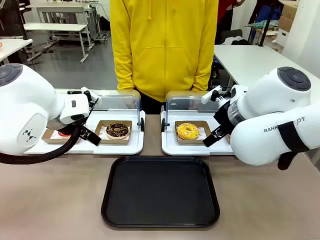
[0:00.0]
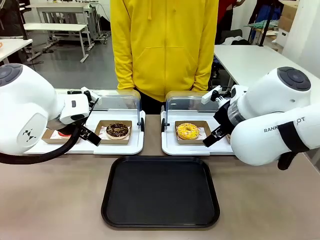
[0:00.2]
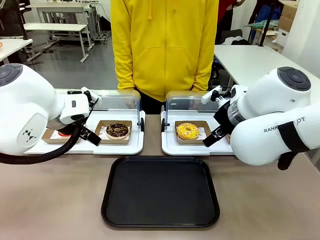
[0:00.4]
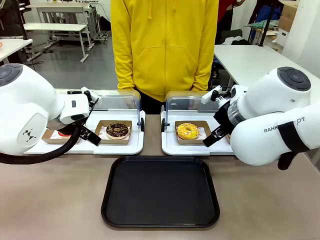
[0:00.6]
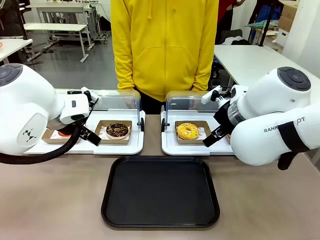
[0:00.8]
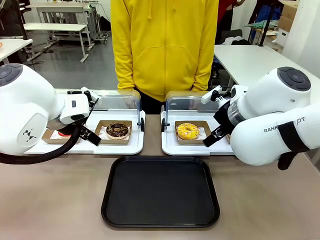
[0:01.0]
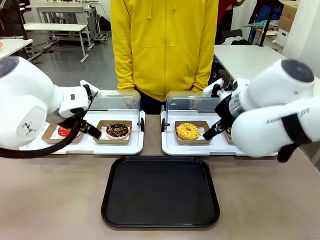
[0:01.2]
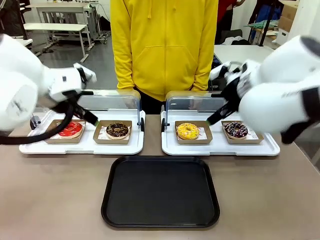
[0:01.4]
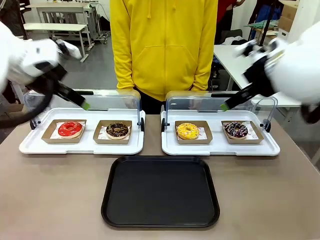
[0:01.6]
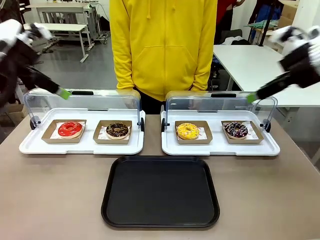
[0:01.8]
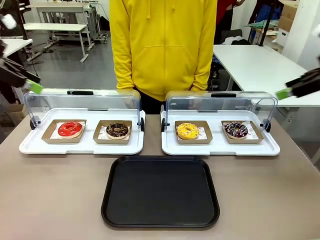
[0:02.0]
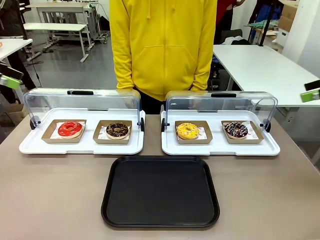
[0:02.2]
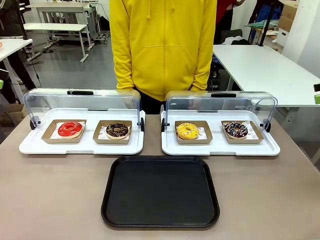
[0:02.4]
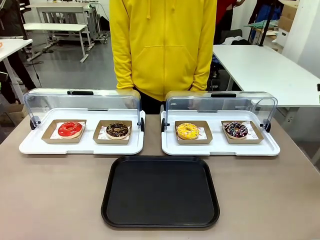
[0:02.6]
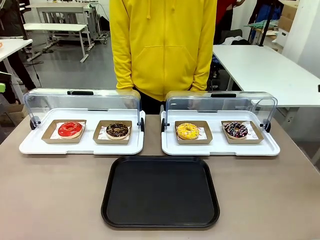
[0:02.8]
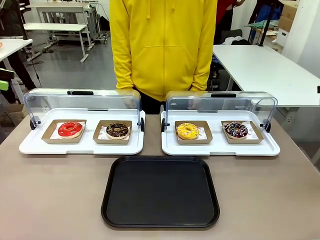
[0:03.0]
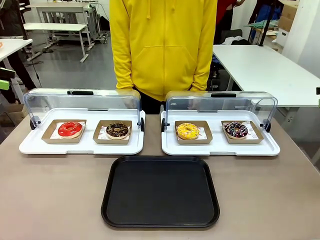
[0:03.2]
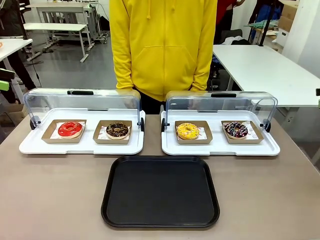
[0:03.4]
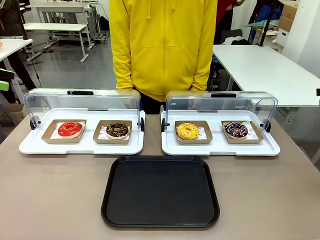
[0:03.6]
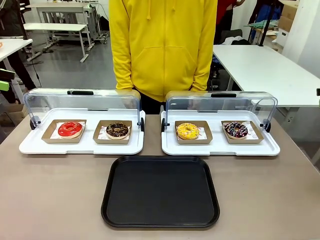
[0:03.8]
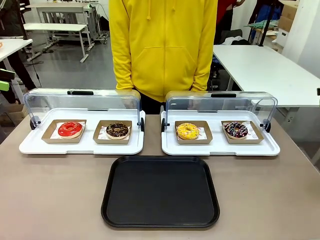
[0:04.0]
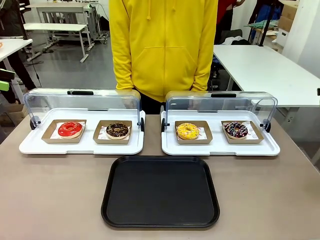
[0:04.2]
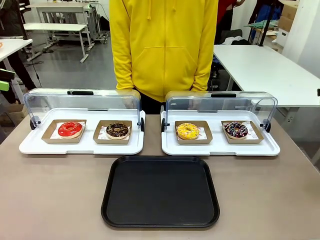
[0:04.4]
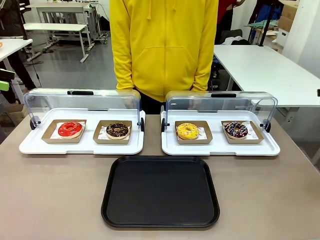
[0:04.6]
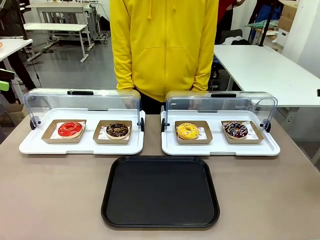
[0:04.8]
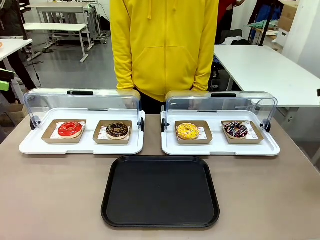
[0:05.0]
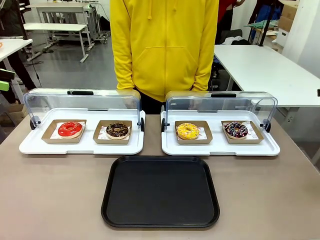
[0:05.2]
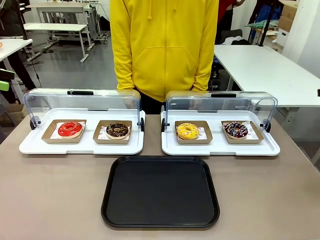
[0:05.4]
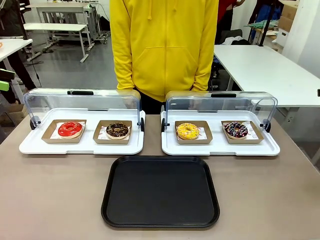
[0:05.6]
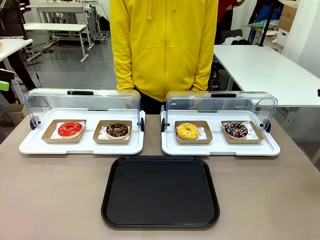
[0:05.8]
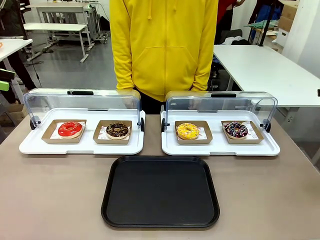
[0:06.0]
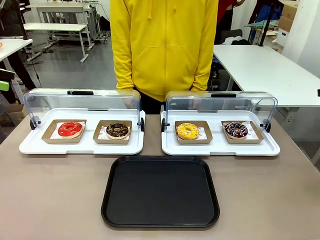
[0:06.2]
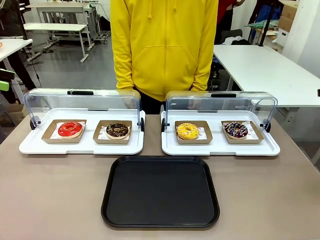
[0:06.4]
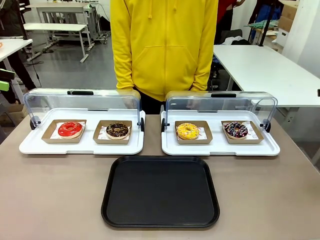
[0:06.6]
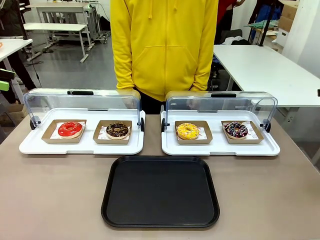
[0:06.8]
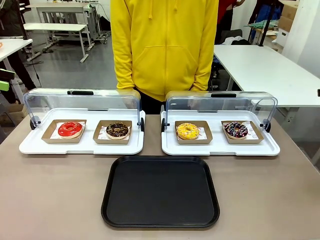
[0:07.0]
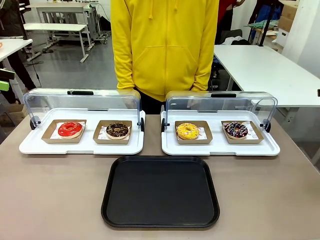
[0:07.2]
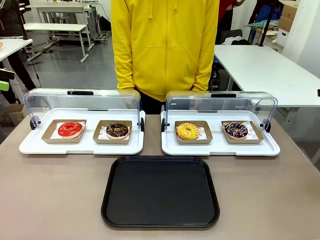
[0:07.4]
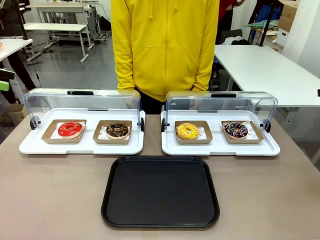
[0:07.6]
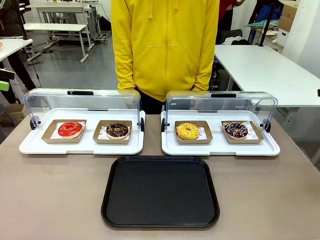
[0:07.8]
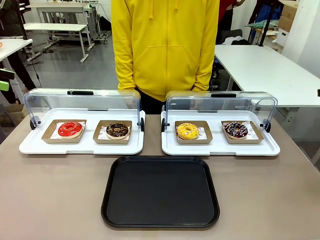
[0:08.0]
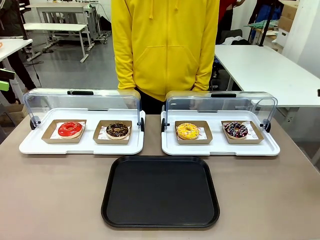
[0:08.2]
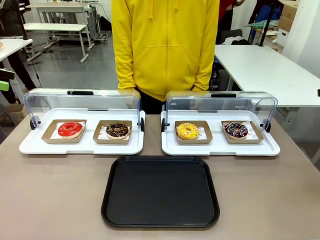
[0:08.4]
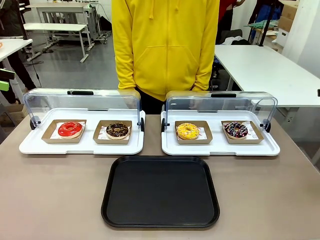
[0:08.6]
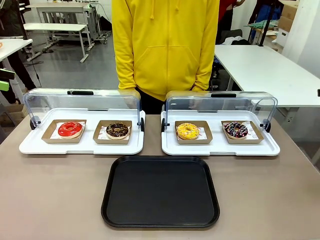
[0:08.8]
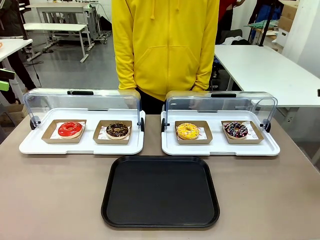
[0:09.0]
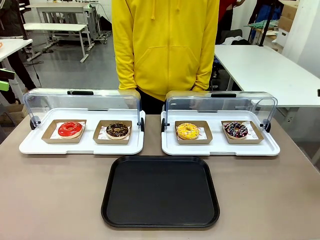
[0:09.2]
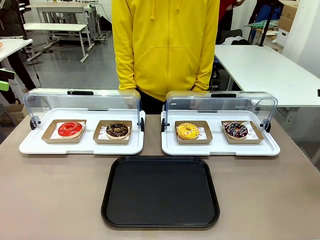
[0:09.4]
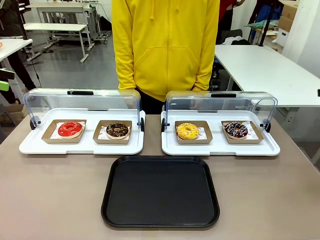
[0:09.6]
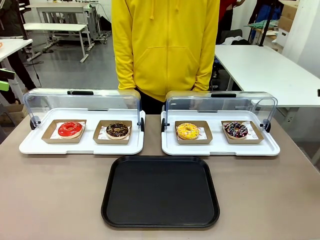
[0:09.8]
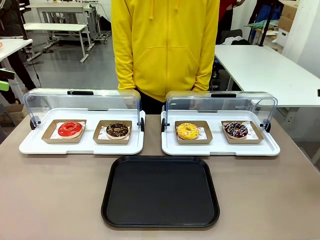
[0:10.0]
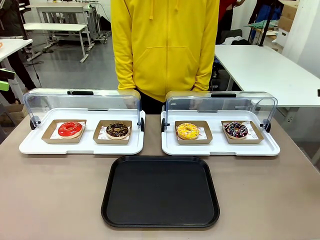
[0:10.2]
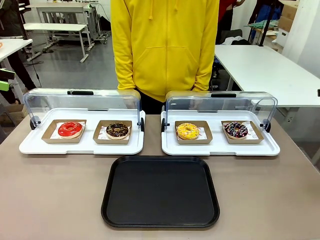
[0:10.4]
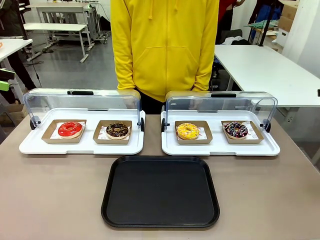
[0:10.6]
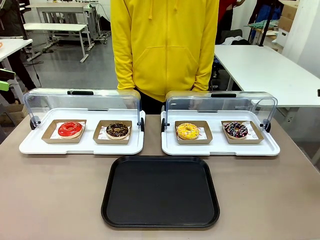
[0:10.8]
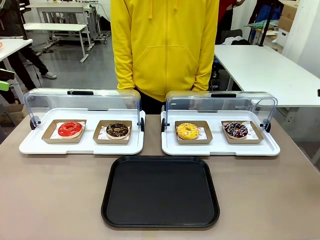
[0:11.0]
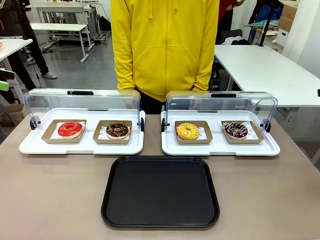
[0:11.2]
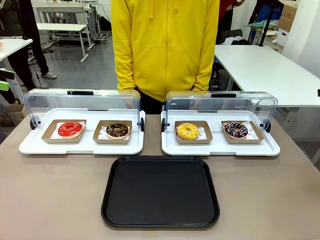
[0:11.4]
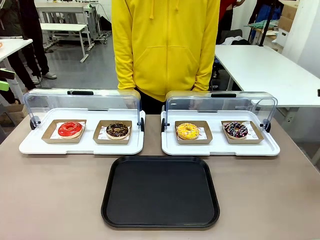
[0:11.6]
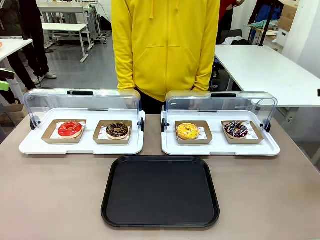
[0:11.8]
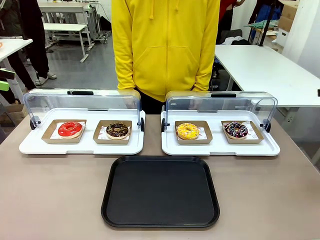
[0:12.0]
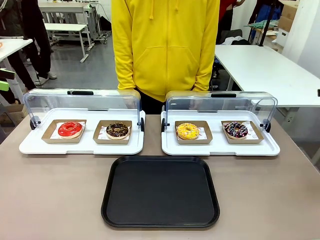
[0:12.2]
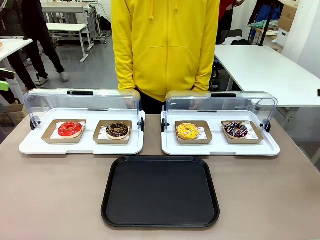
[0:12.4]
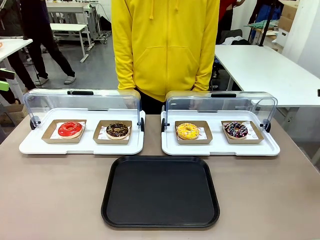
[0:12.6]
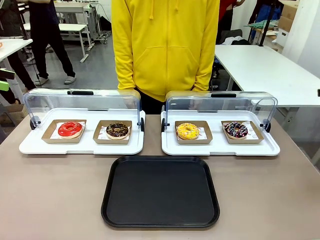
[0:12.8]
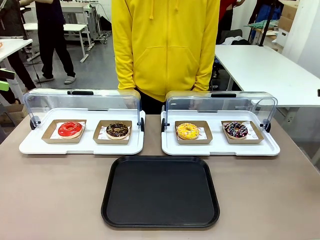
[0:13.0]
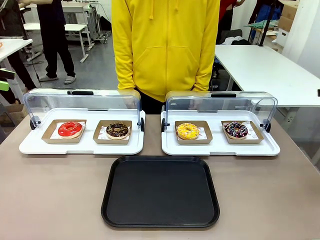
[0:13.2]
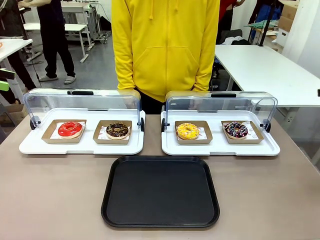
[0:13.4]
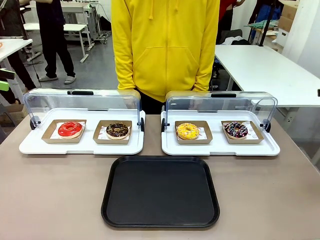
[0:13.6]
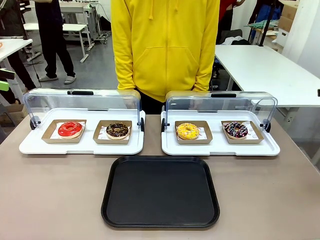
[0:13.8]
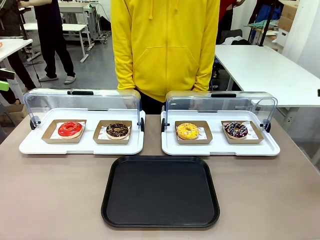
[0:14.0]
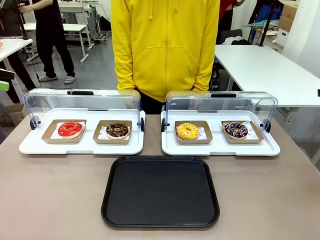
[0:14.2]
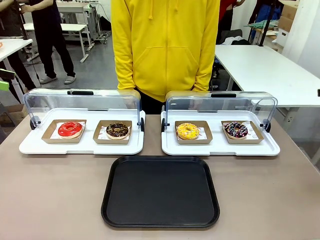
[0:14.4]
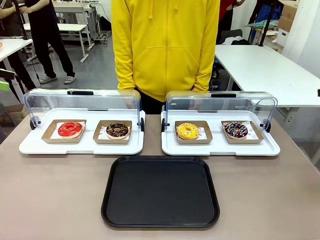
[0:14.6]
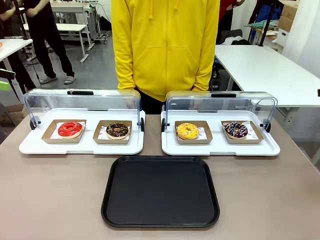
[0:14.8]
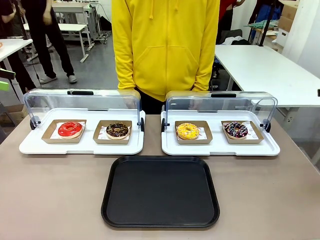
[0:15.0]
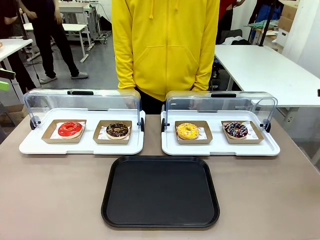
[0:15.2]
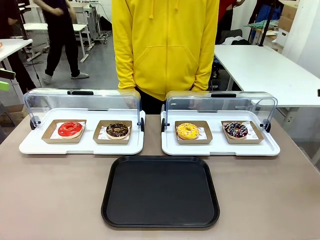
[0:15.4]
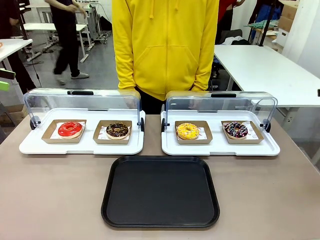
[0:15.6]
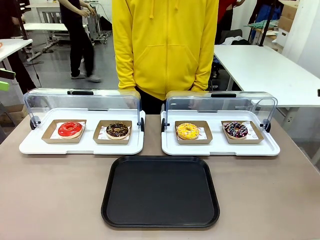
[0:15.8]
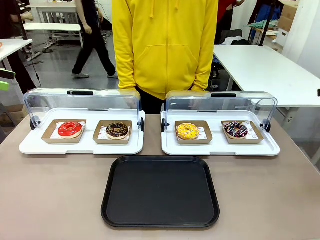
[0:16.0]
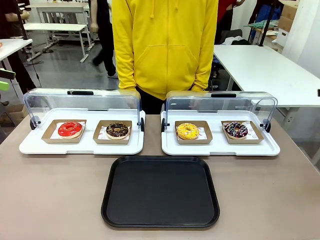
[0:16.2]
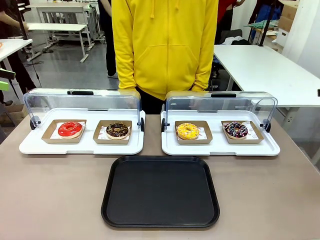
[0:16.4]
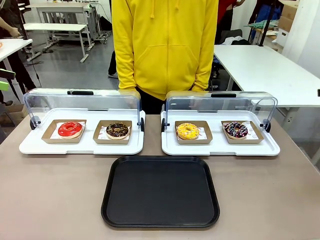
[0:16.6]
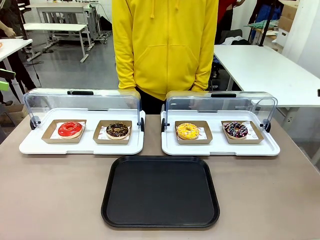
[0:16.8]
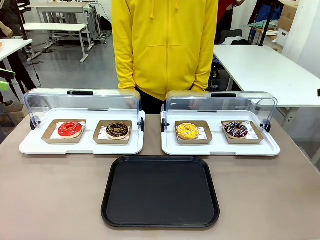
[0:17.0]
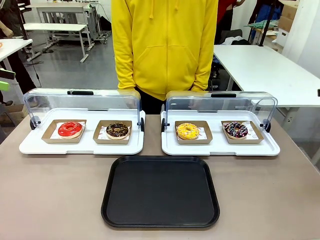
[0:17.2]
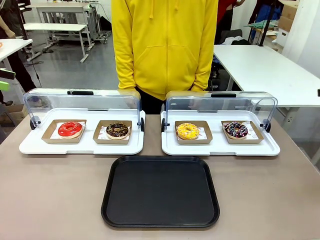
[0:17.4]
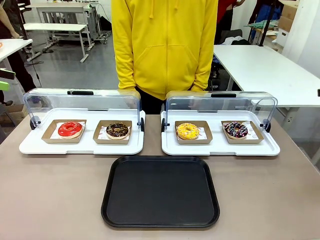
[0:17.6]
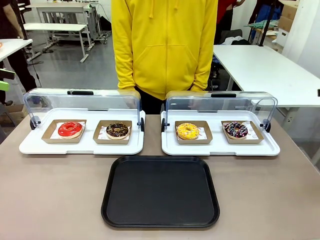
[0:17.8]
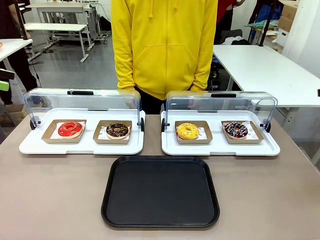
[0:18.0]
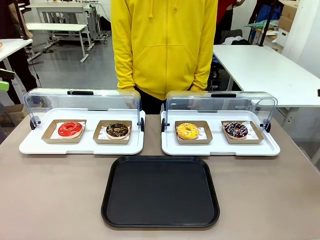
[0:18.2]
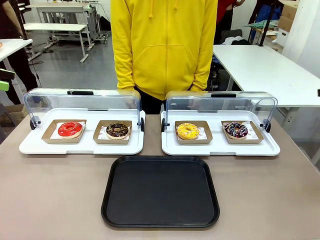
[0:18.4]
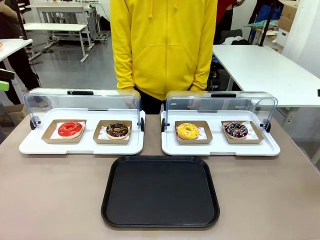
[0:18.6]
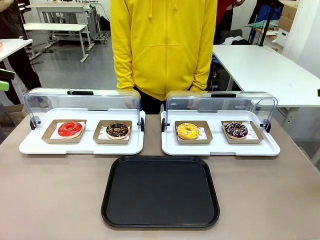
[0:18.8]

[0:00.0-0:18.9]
Task: Move the second donut from the left to the tray.
Robot: Pick up the Paper togo box containing the Donut indicated by the person and place it on the Handle tray.
